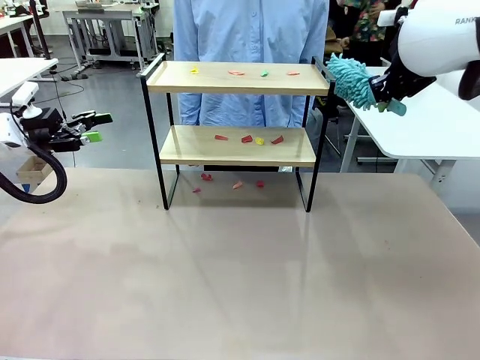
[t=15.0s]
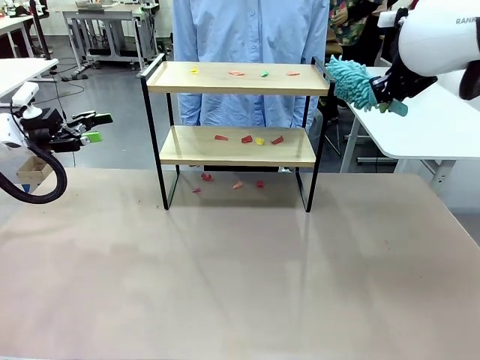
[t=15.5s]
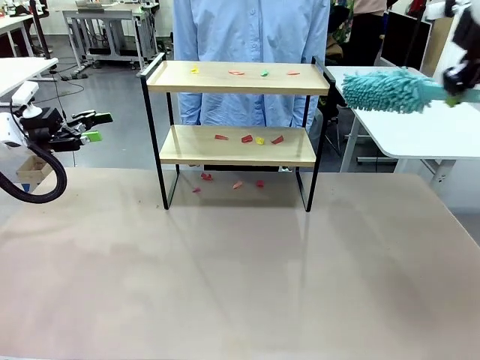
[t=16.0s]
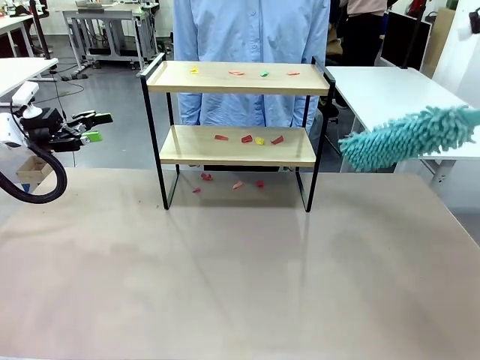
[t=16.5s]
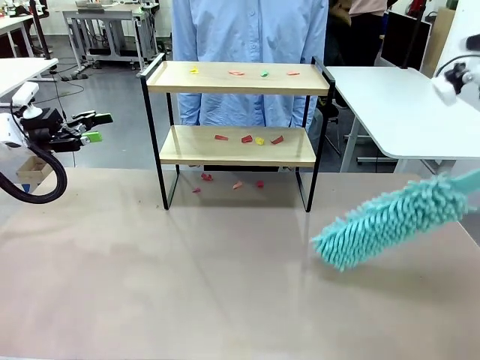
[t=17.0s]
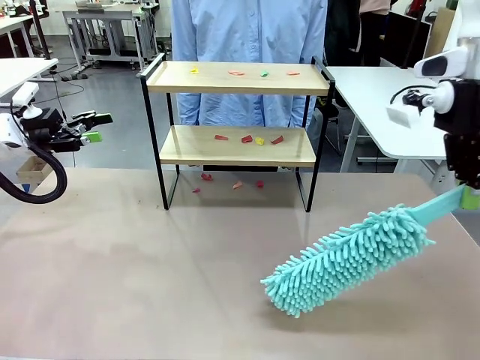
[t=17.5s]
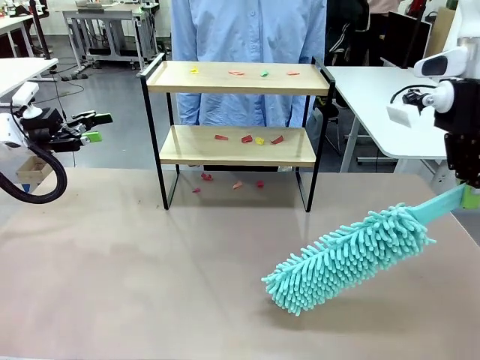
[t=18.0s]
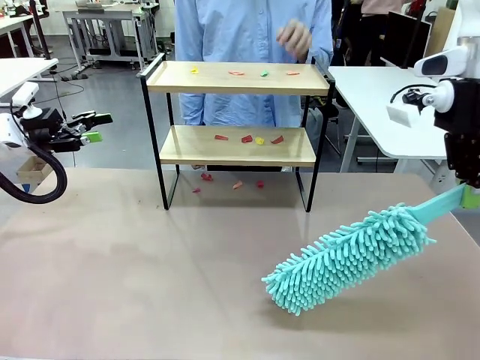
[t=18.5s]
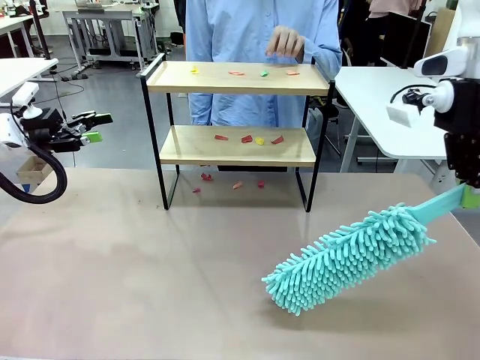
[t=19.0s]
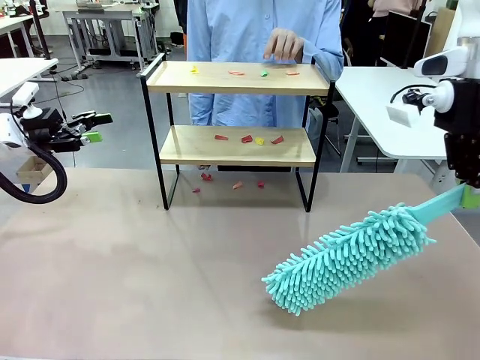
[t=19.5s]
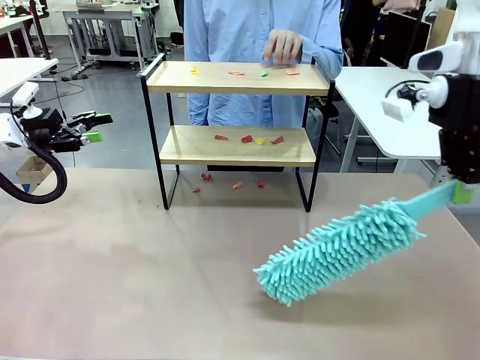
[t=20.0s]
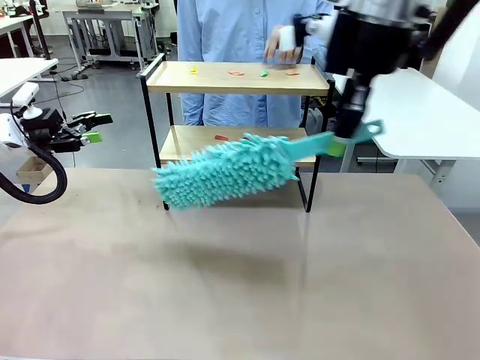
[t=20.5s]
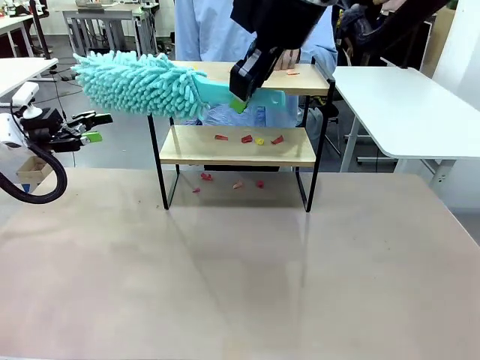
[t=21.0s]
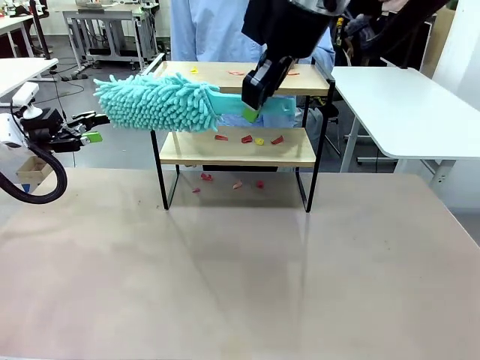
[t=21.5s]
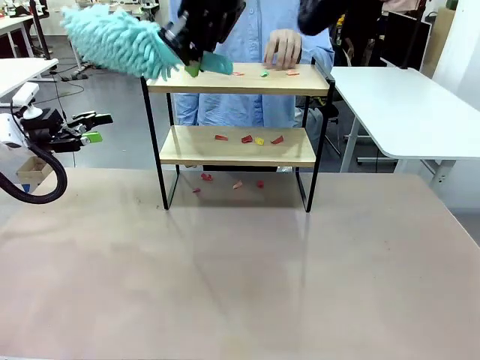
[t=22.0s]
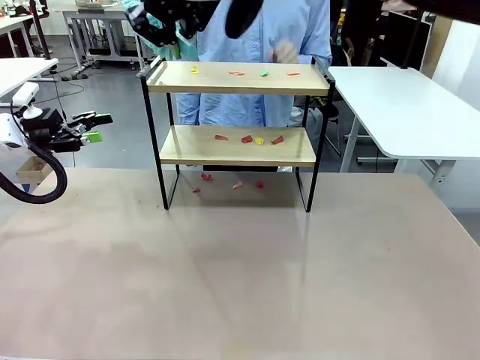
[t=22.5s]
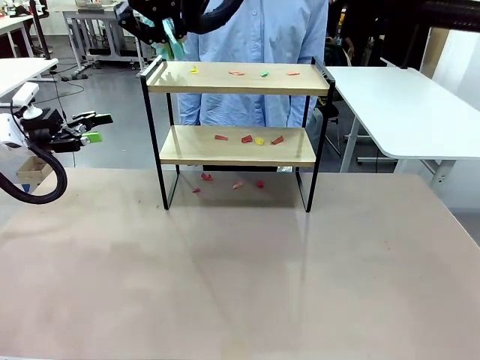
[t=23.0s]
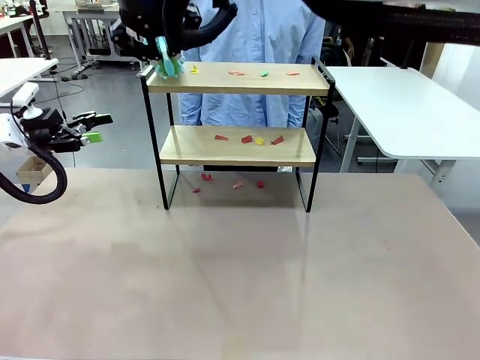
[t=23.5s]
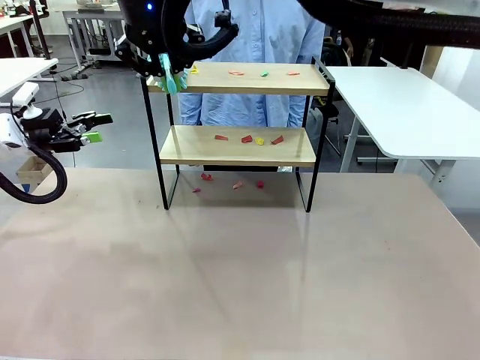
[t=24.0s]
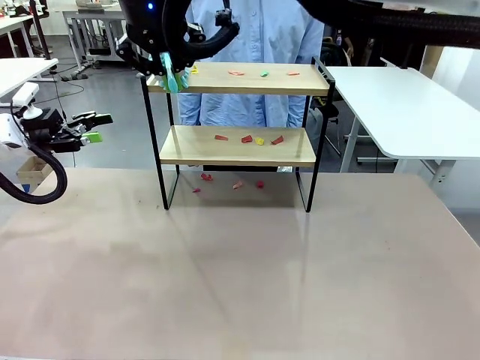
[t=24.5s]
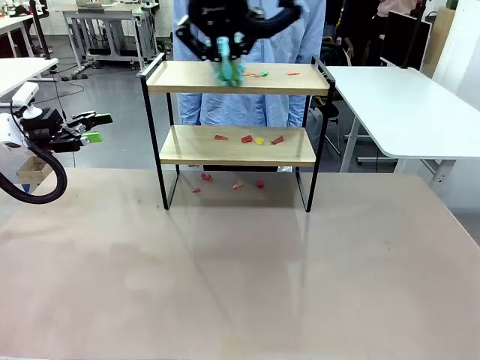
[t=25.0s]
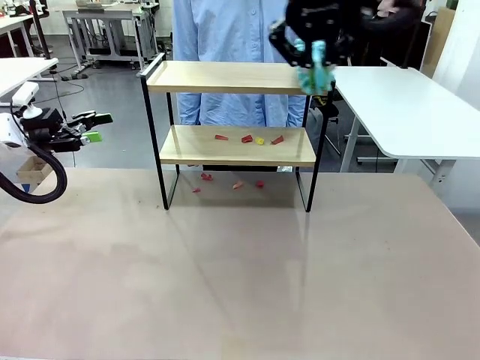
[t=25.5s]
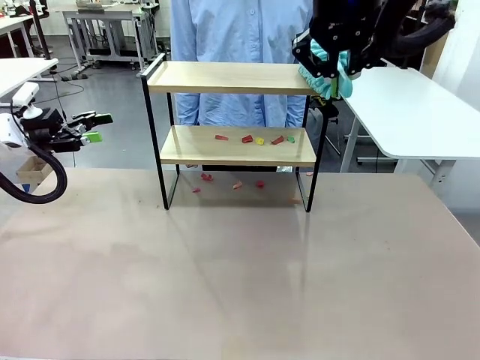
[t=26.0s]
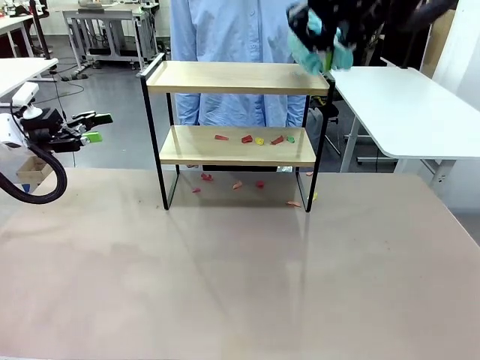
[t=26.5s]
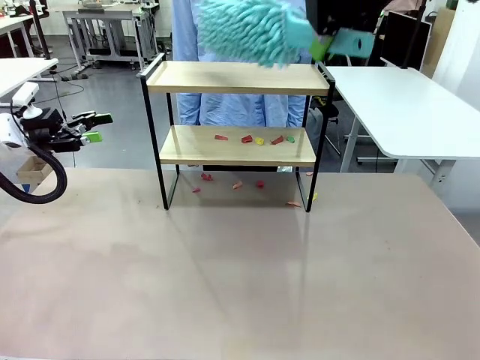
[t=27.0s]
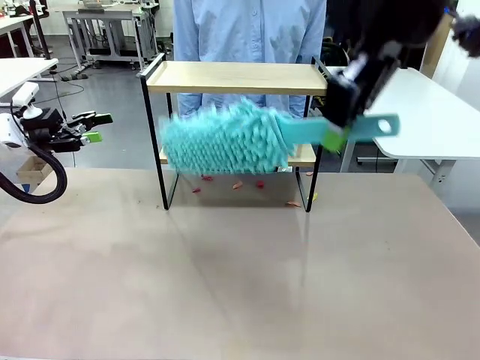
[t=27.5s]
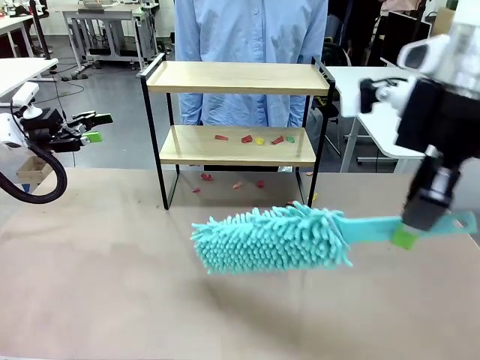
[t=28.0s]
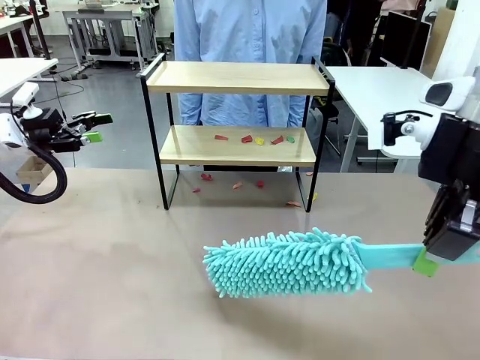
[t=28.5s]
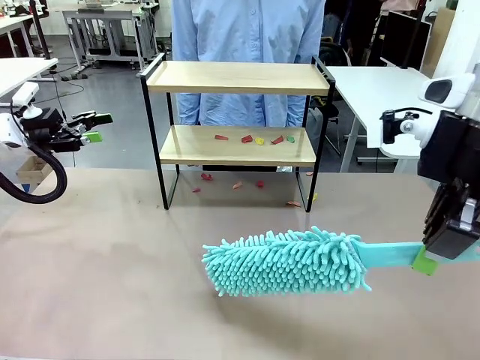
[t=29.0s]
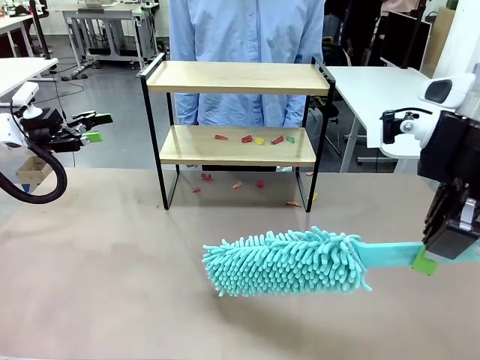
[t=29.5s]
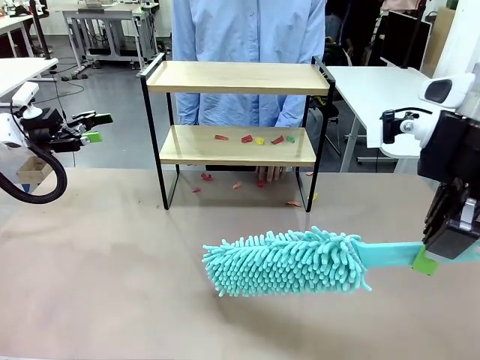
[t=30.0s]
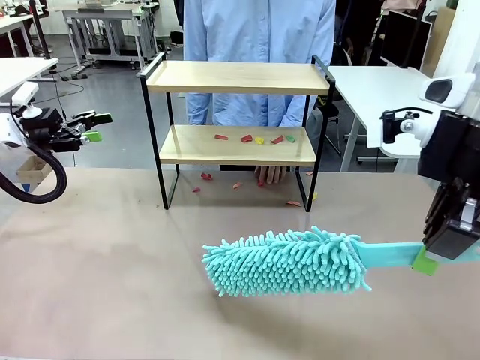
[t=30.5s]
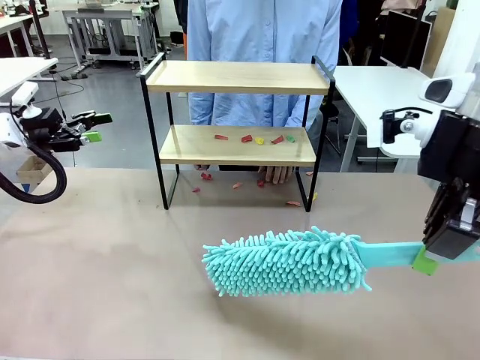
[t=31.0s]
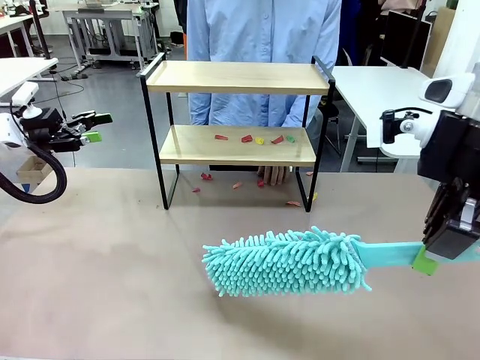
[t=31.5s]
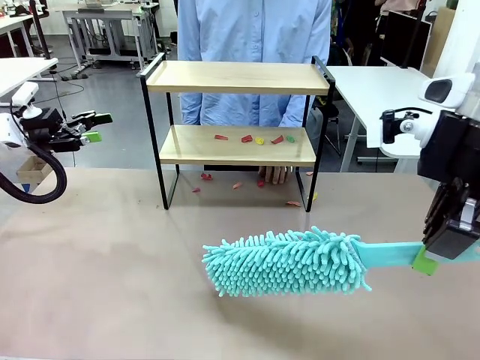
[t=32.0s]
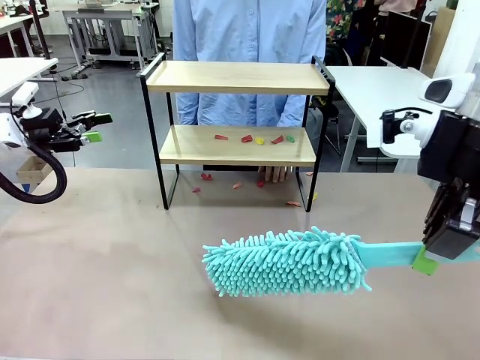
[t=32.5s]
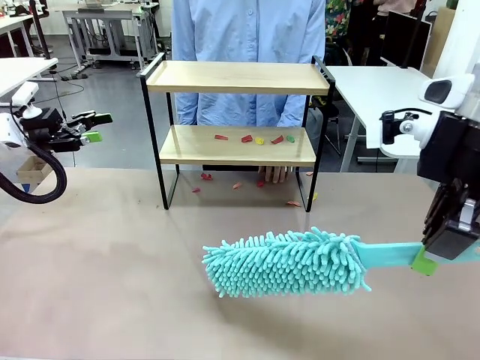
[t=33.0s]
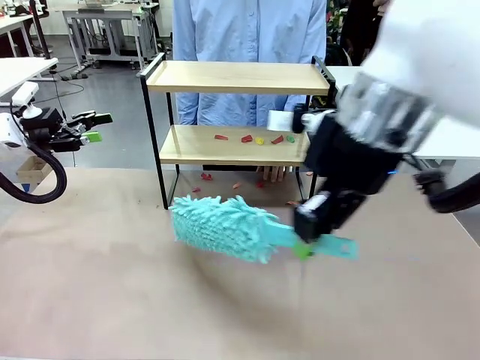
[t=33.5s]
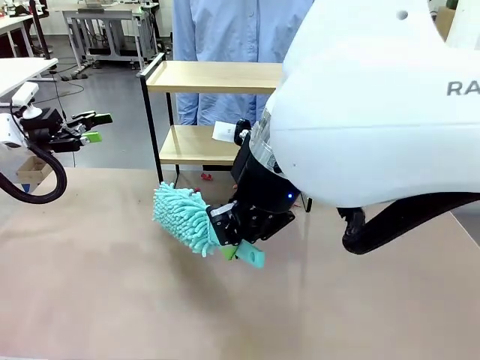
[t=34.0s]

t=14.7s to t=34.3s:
Task: Clean the shelf.
Robot: Clean the specific section of the Shelf indicated by the human with the Duster.
Person: Point a random section of the Shelf.
